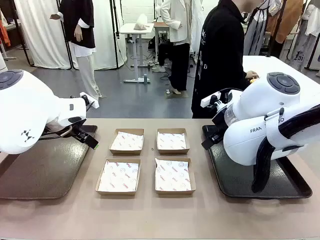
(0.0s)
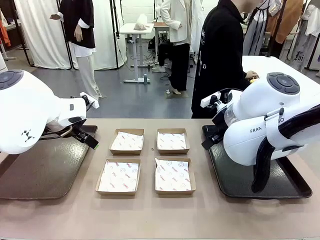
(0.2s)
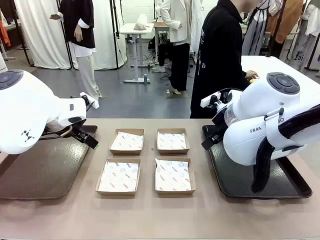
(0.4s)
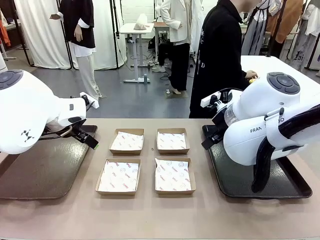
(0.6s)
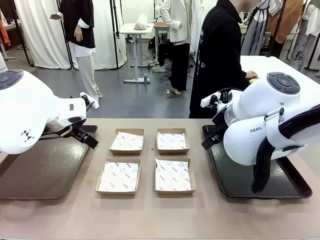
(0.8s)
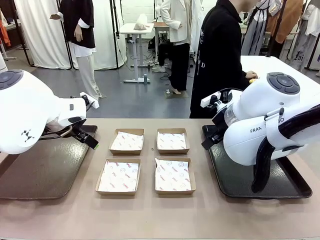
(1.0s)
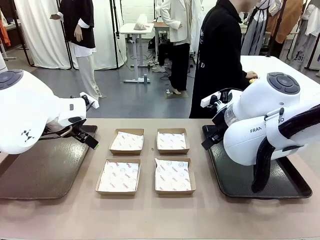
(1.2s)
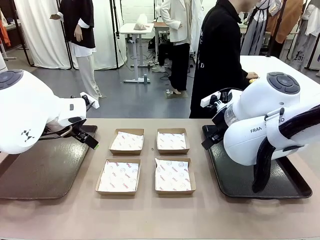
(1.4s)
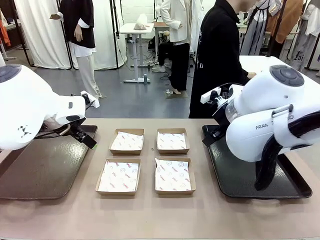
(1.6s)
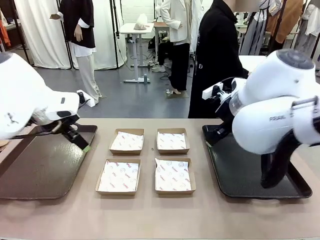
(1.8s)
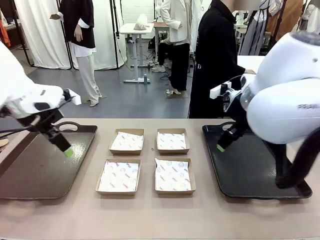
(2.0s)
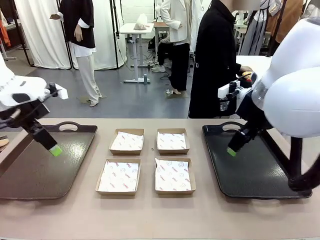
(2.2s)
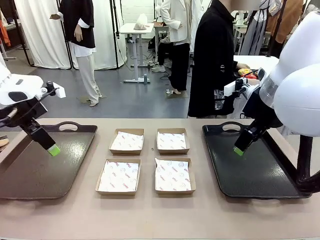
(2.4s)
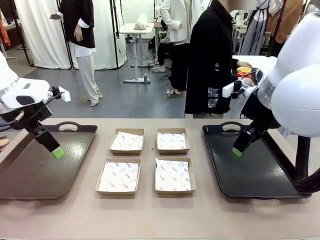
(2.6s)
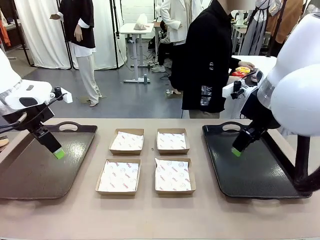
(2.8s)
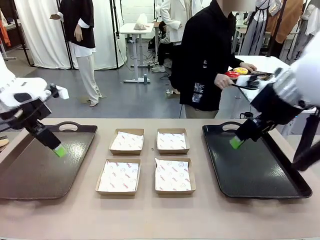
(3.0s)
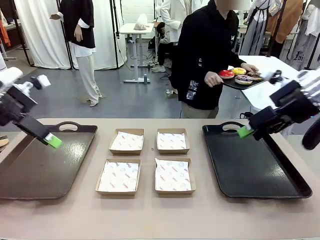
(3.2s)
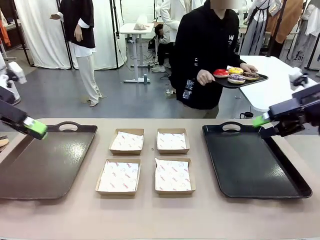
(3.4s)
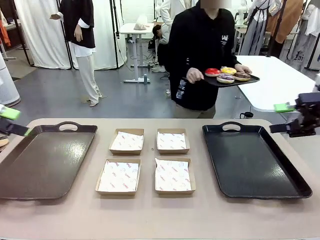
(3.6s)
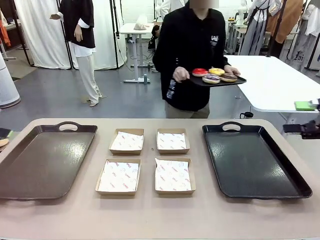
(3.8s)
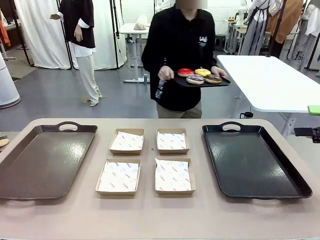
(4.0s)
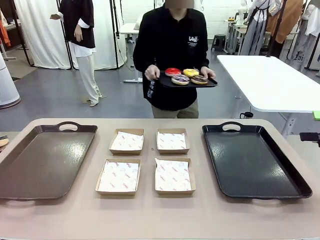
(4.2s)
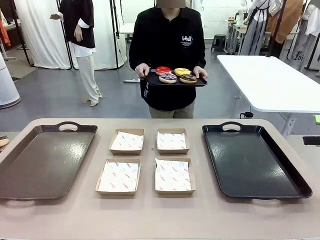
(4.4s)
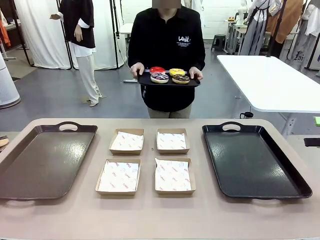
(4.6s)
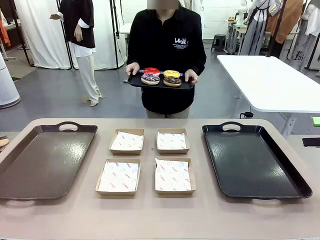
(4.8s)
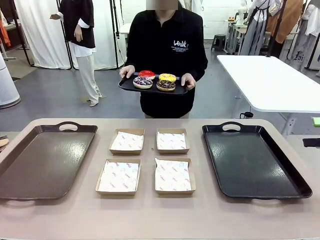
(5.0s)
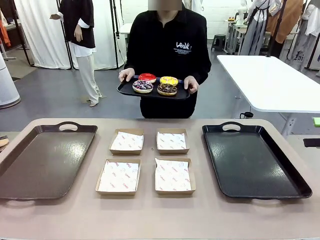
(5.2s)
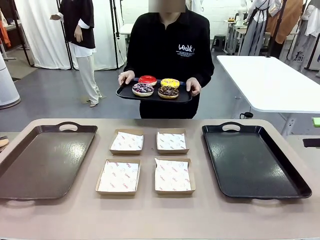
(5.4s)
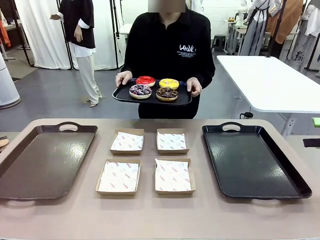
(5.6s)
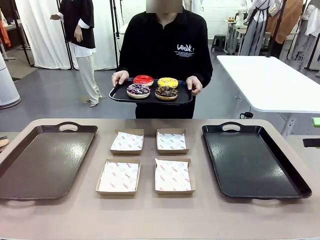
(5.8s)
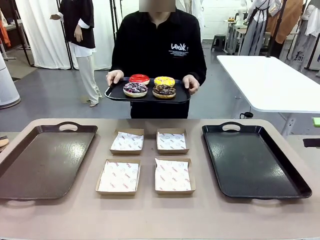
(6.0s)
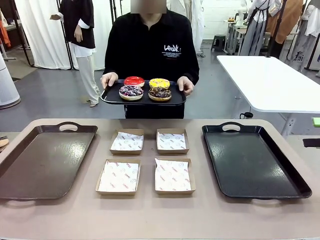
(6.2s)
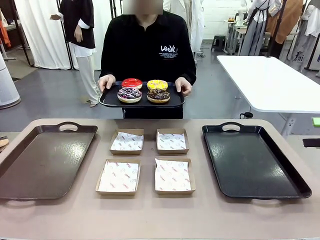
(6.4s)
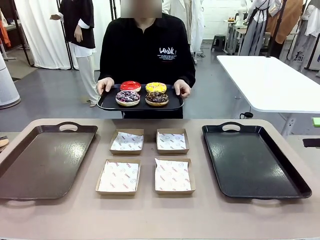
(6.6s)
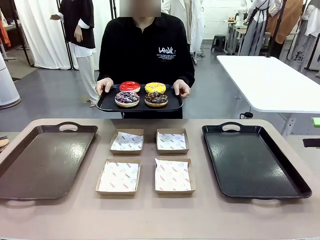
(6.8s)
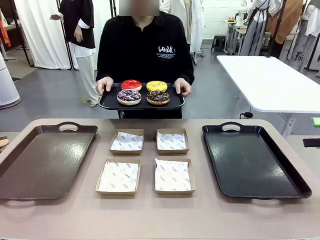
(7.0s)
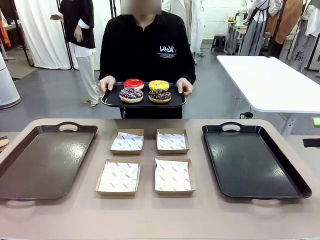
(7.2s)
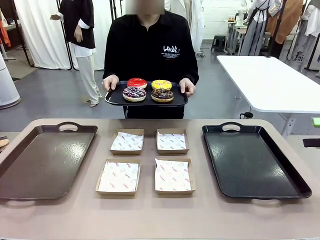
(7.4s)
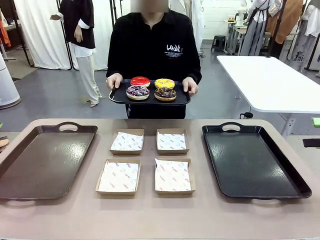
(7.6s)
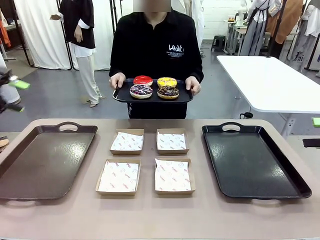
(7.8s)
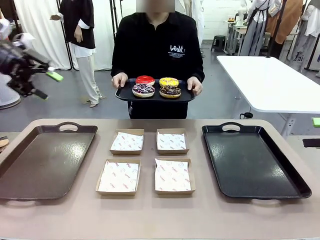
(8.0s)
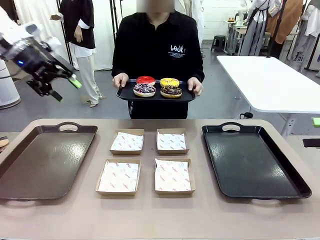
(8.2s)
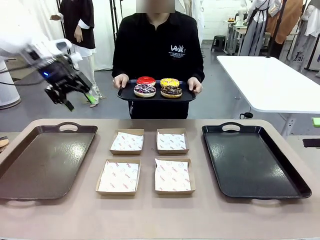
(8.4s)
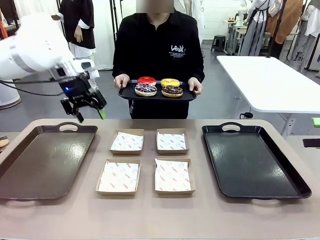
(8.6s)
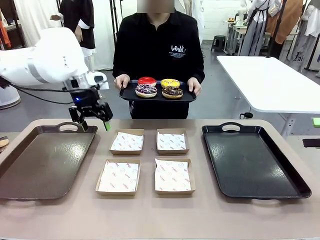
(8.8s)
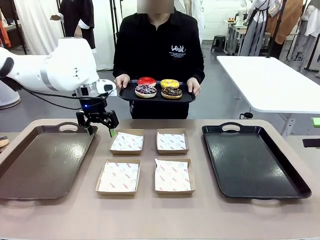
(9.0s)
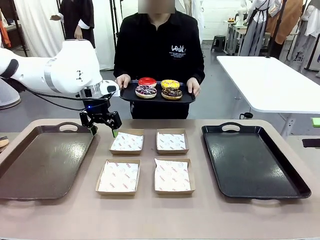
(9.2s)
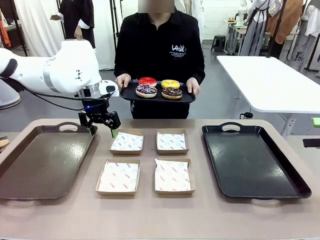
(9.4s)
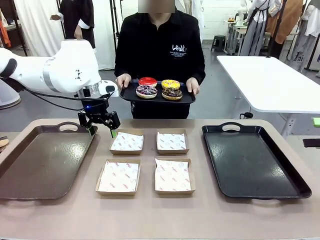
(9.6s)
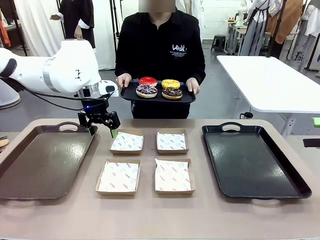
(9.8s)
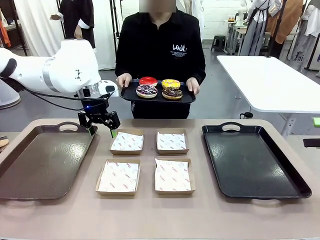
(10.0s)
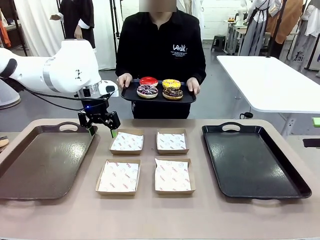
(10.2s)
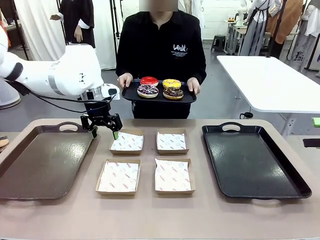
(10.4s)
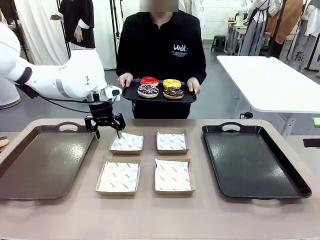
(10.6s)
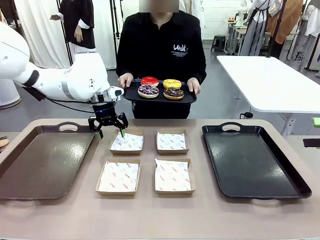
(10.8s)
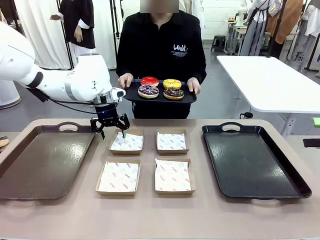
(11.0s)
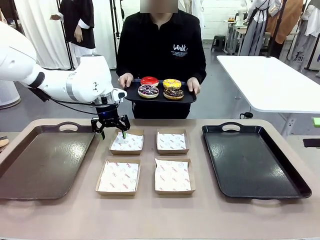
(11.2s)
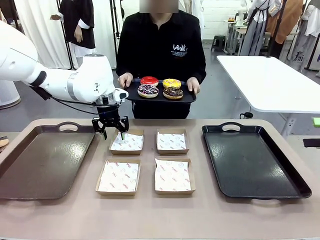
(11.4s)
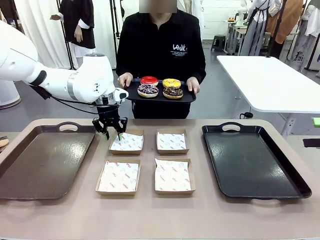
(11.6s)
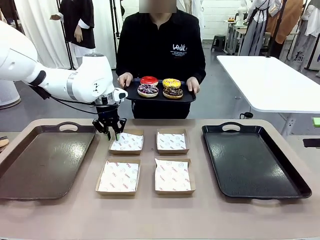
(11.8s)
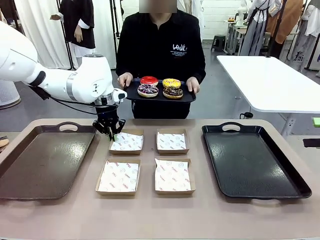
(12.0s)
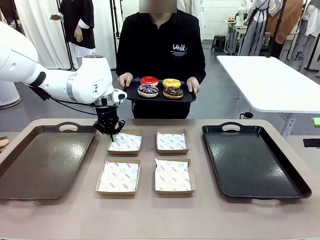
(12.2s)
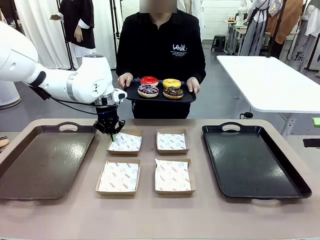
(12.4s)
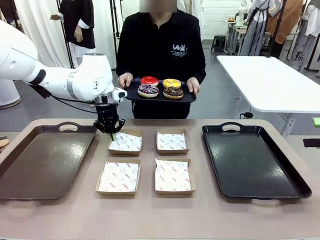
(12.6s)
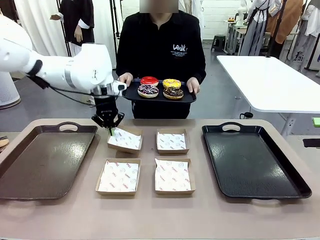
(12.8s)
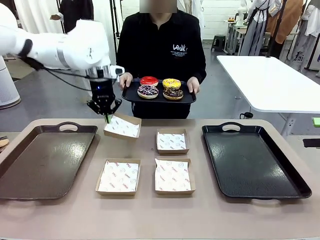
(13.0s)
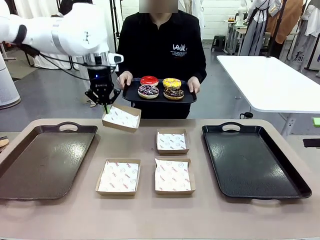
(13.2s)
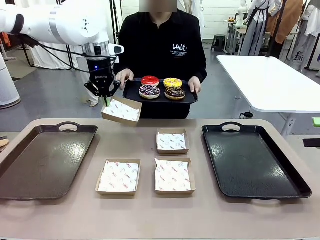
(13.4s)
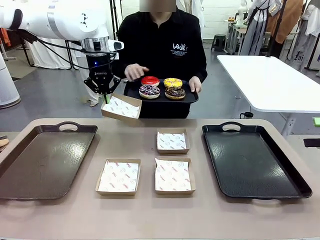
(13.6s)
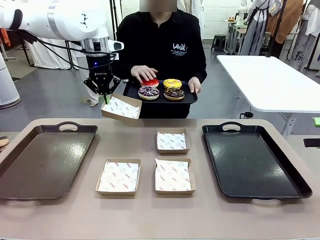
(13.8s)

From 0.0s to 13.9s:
Task: Individually package the donuts and arrange them on the tray.
Robot: Pick up one Paper togo box.
Person: Stand in front of the robot table holding the tray containing the donuts.
